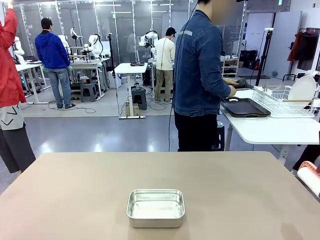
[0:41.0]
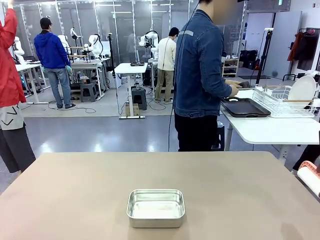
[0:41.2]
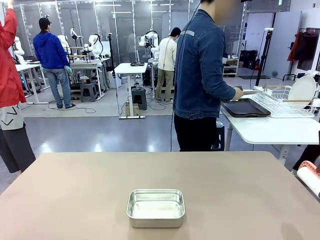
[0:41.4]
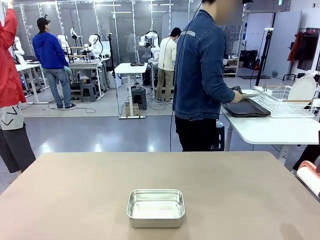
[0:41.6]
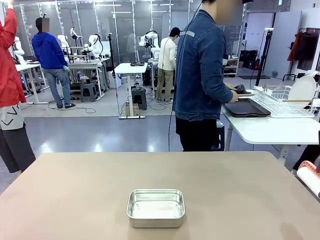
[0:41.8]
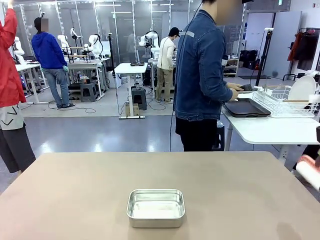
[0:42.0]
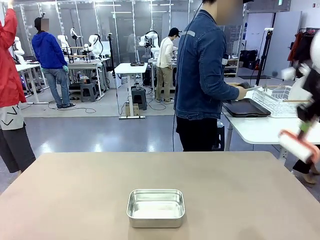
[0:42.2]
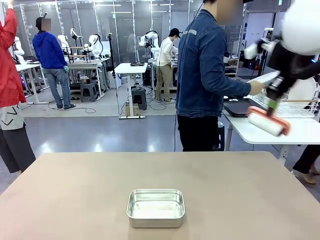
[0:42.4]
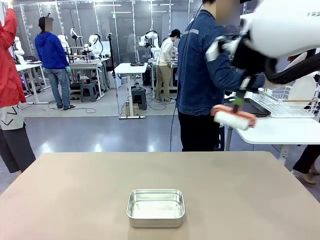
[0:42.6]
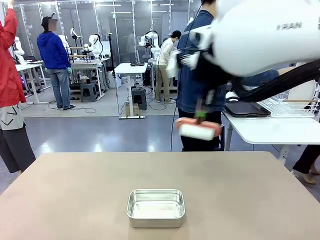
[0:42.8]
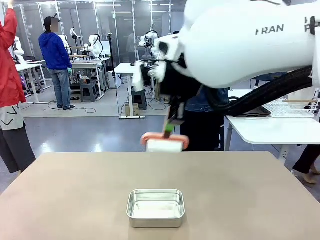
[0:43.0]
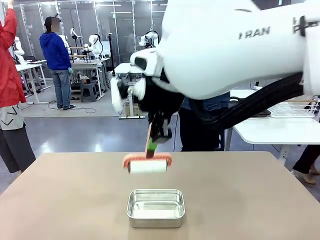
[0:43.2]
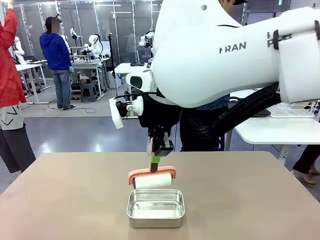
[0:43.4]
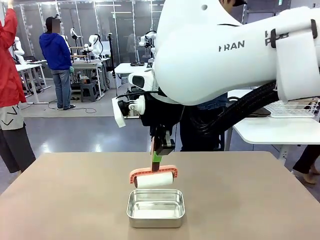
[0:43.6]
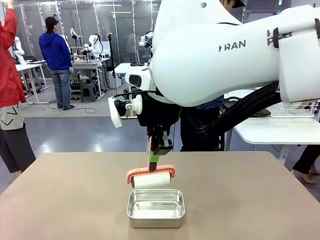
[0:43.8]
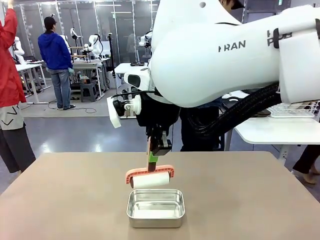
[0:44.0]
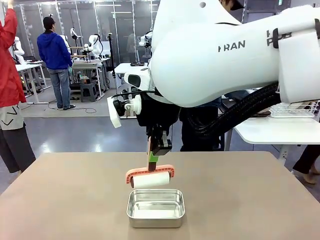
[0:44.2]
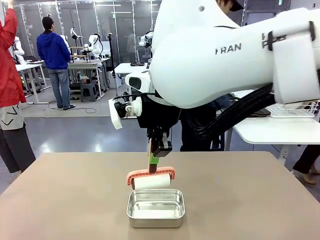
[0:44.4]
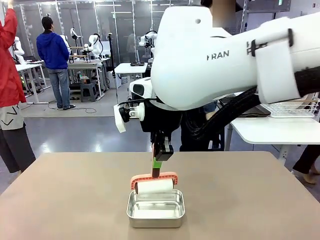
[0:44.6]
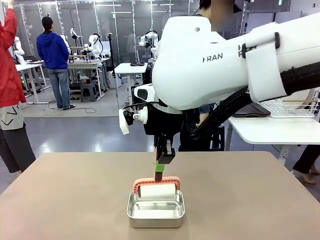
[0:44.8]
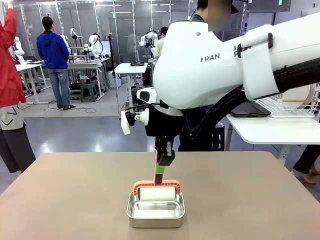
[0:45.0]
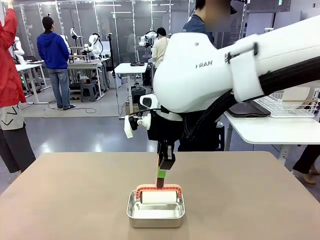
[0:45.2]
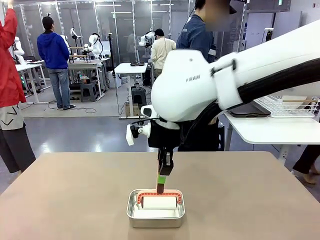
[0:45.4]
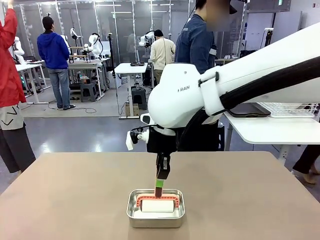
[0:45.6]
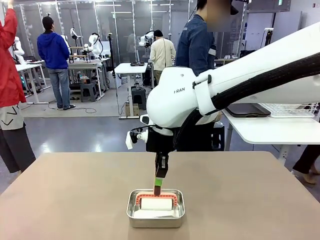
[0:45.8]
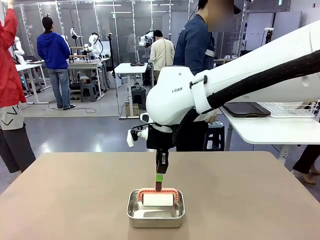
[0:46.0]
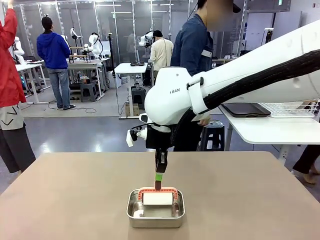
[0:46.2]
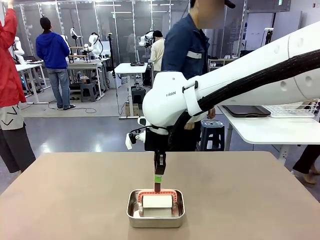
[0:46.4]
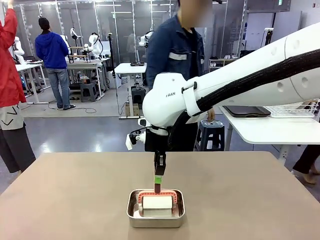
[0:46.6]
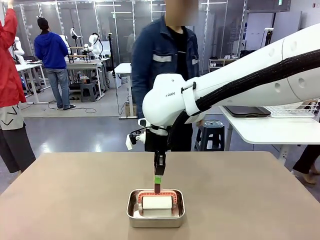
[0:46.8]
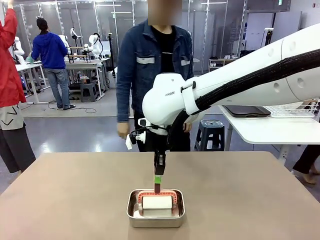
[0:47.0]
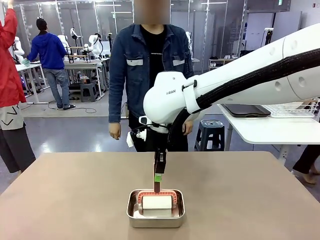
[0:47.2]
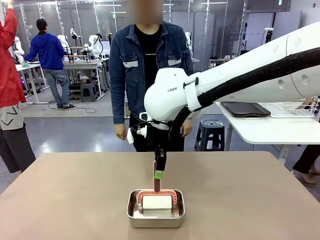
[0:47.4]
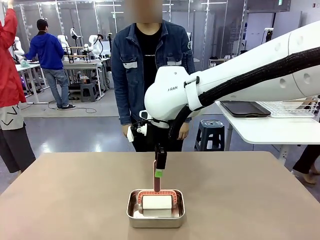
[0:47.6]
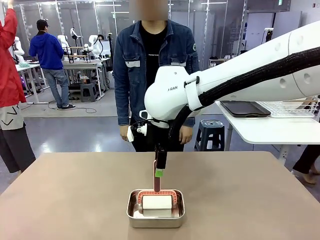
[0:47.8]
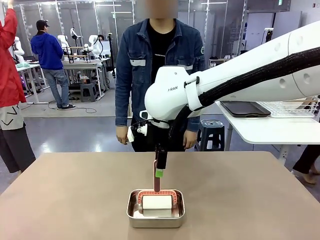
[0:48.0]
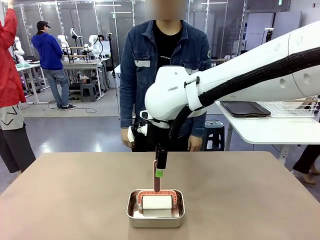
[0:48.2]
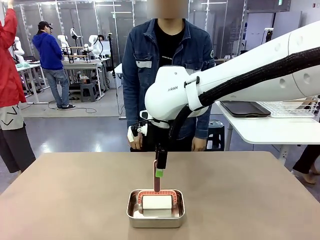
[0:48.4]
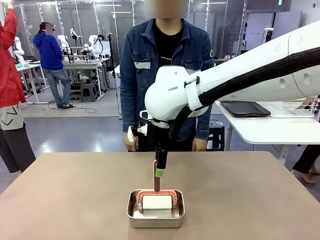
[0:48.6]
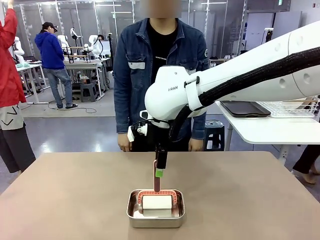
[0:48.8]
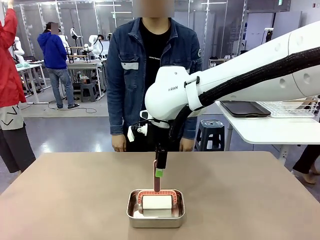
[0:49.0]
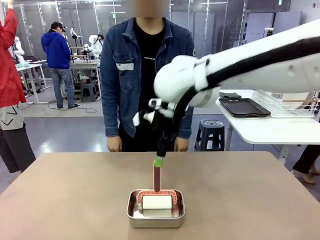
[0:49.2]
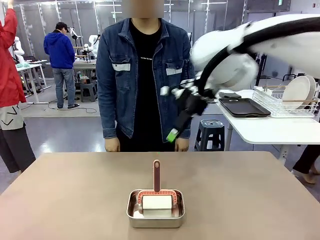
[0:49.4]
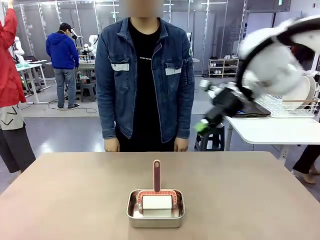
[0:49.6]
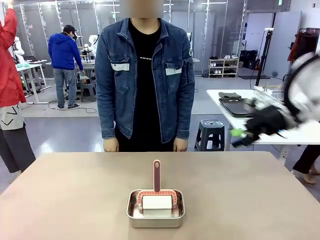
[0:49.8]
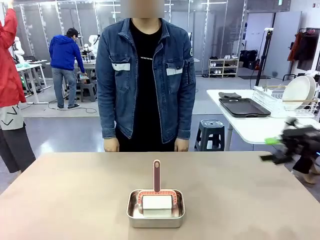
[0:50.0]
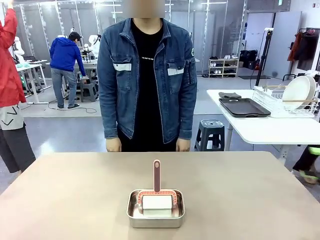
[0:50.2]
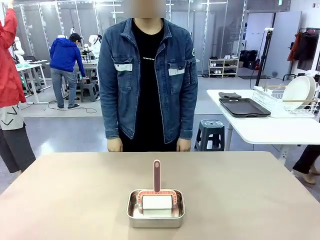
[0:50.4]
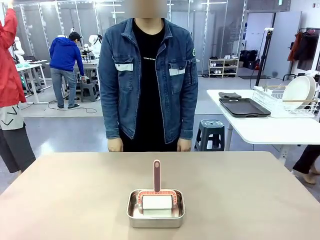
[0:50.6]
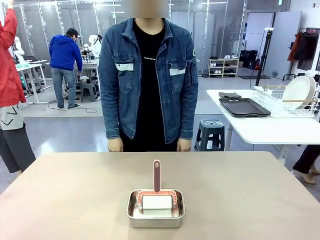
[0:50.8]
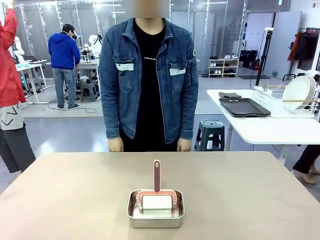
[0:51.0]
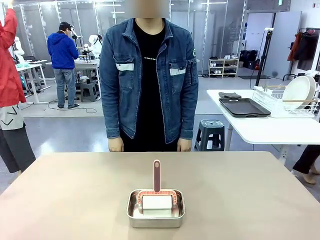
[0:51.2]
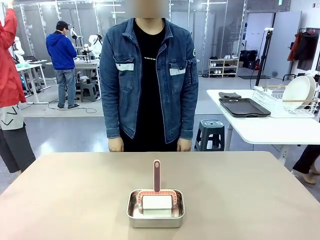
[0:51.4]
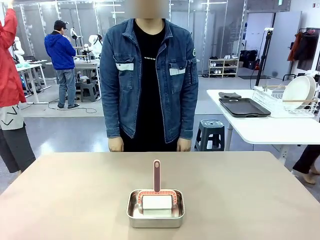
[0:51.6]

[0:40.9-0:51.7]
Robot: Place the Lint Roller back on top of the Airtight Container.
Person: Use the Towel with hook to wipe the Plastic Matte Plate , Fork , and Knife and place into the Dish drying rack.

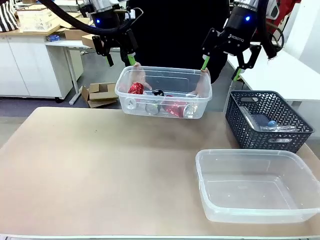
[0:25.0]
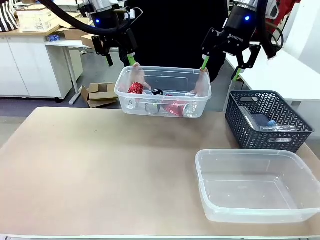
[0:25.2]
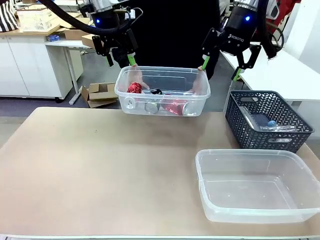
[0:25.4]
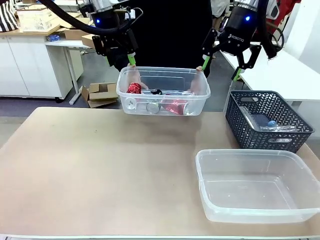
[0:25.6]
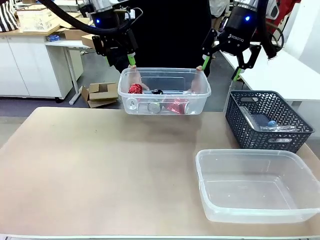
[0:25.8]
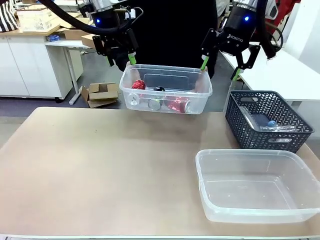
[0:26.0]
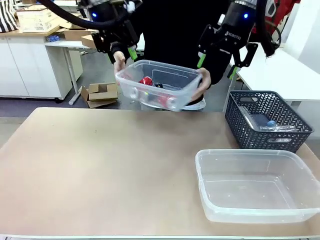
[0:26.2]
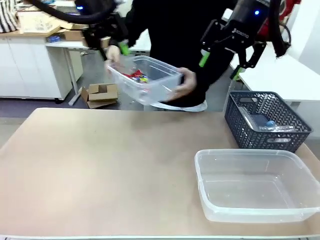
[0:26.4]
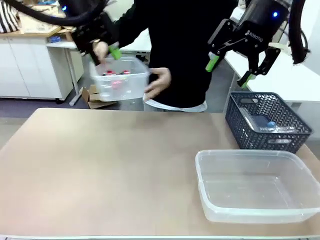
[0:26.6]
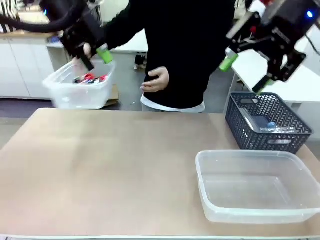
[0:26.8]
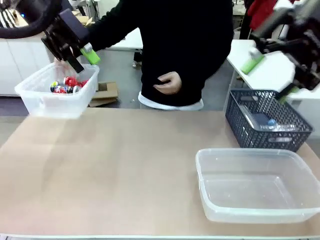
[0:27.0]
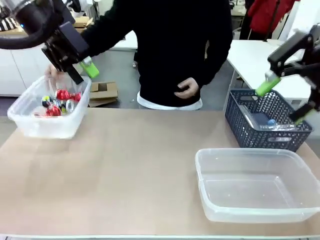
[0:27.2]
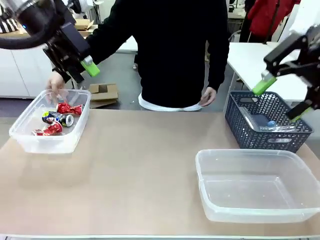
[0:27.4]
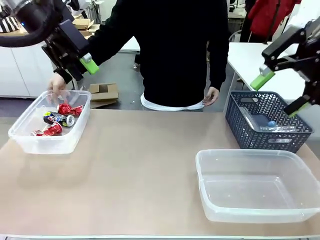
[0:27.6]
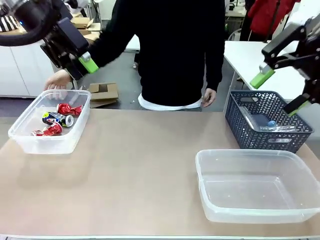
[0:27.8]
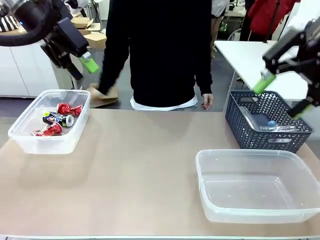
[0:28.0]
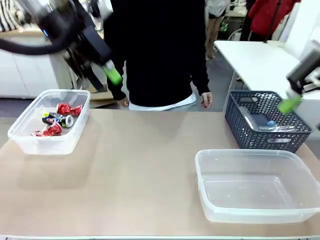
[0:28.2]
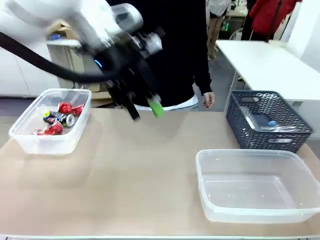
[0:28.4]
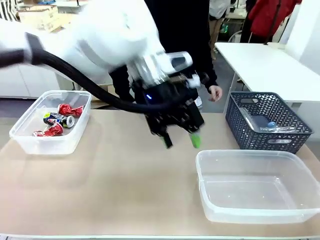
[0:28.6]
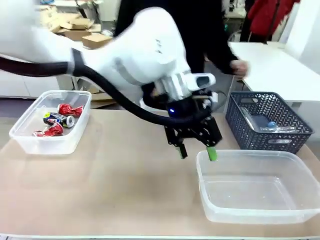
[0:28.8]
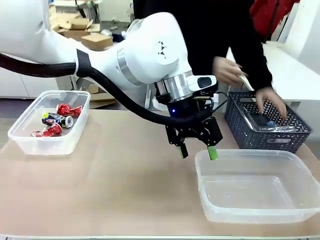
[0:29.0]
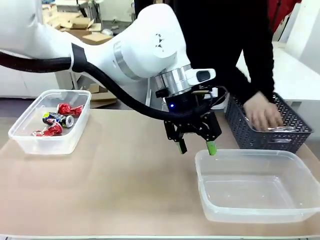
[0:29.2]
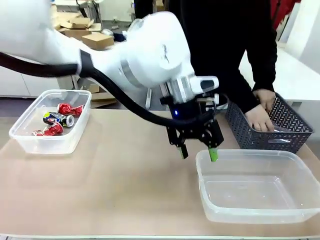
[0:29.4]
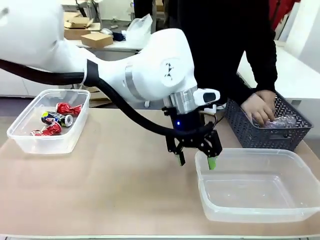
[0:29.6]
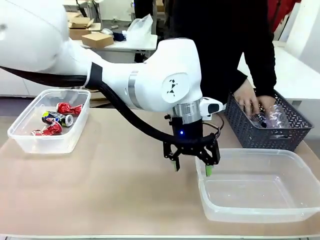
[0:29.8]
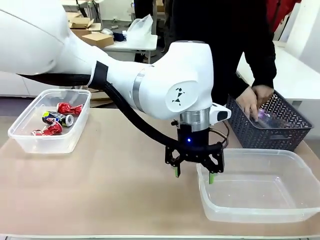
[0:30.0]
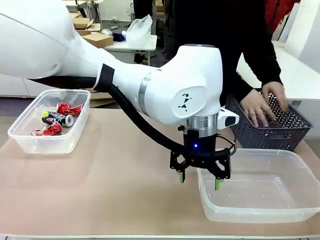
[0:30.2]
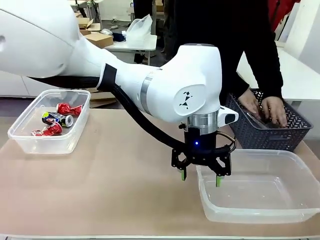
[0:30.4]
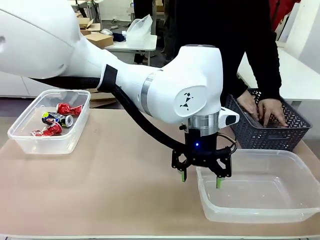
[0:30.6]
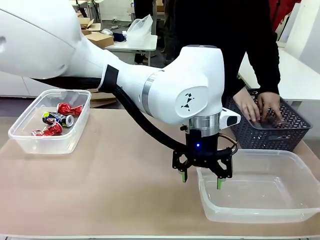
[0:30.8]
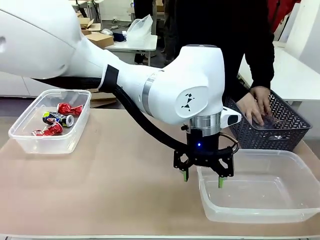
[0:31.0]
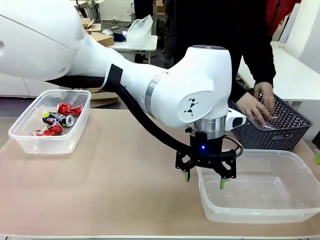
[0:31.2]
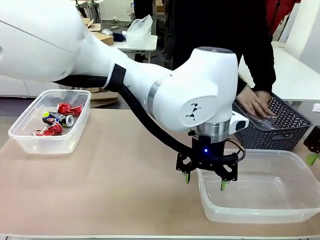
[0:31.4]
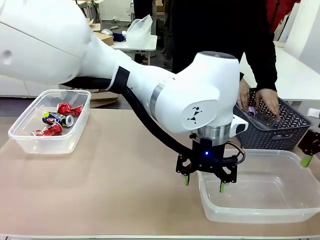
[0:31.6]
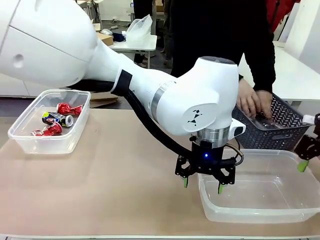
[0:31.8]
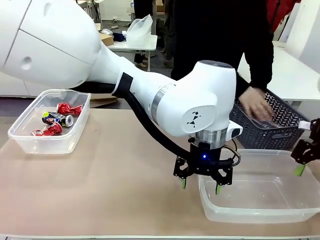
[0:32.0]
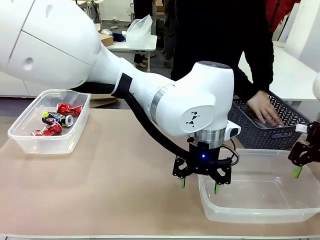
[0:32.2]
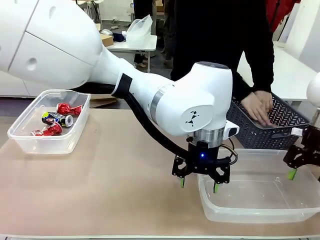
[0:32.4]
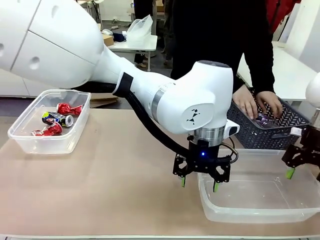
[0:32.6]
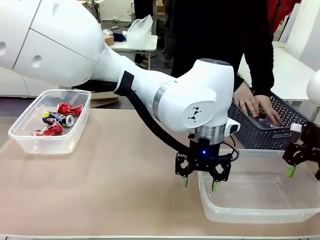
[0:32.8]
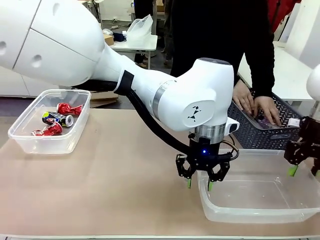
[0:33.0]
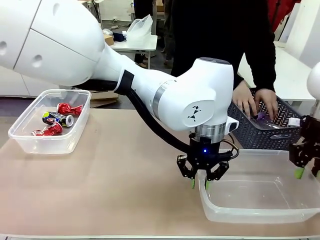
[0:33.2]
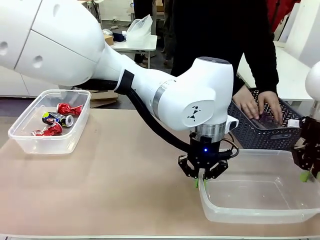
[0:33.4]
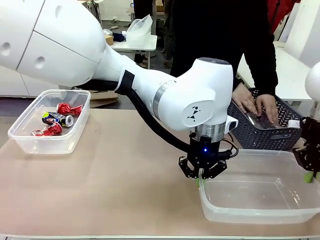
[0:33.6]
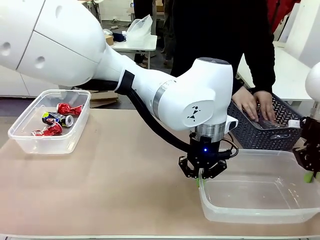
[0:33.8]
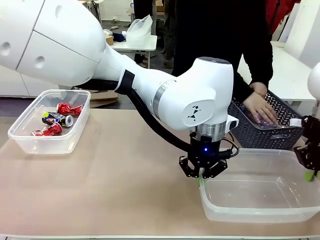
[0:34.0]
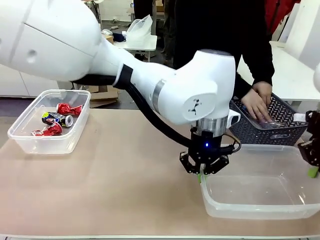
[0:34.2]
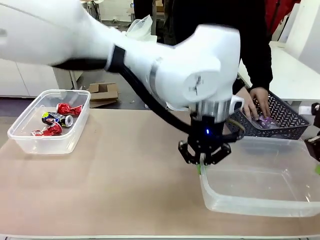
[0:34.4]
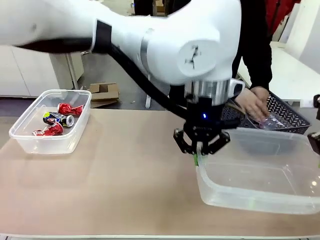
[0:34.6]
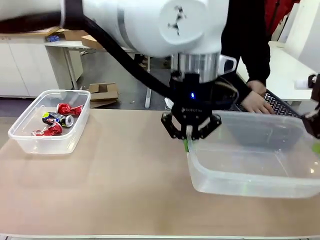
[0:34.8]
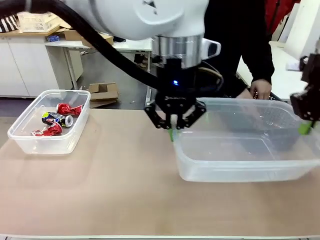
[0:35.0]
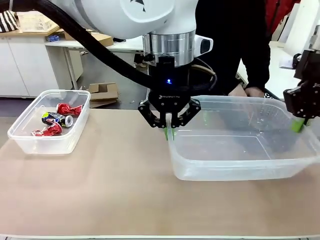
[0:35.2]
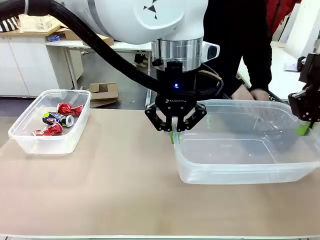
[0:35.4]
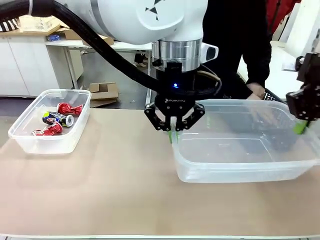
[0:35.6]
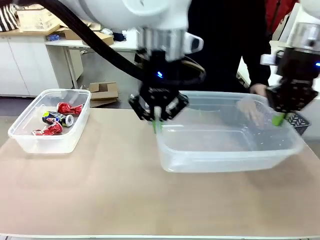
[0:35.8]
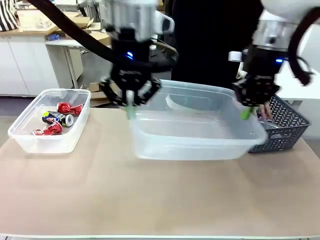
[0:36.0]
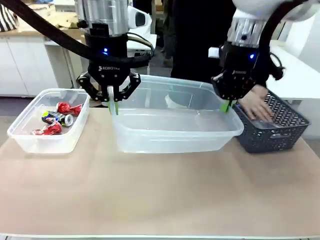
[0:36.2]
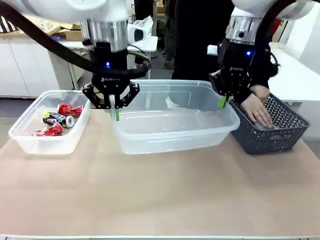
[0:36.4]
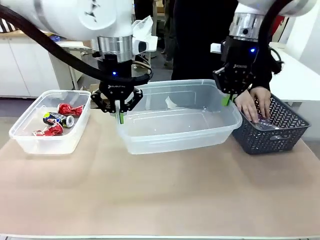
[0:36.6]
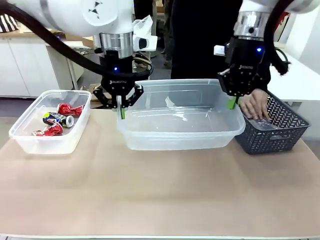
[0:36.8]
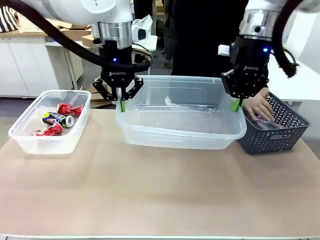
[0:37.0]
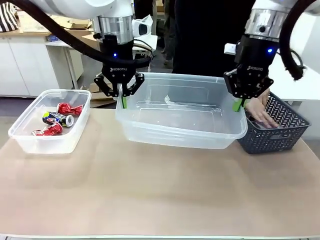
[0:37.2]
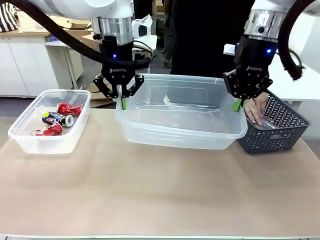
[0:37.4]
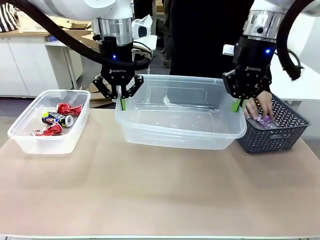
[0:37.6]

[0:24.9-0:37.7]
Robot: Pick up the Organizing box on the right side of the table and lift it.
Person: Place it at the edge of the bottom right area of the robot table. Pick up plastic waste one by one and place it into the organizing box lifted by the robot.
